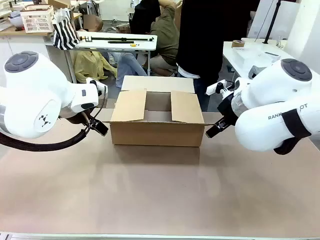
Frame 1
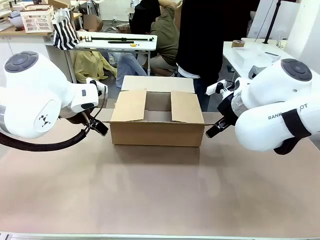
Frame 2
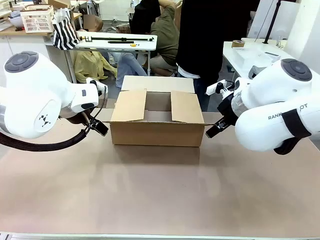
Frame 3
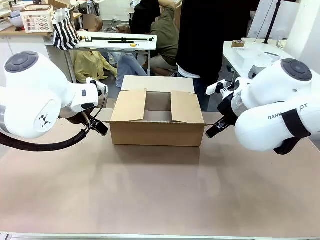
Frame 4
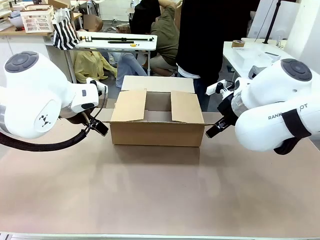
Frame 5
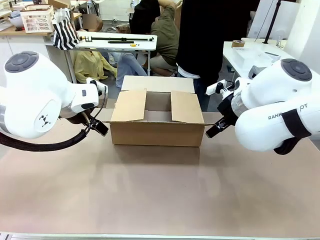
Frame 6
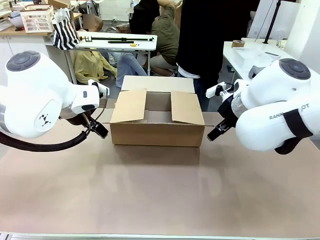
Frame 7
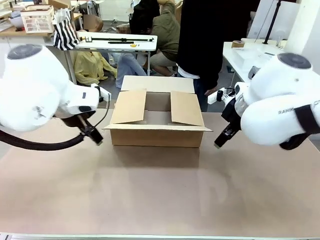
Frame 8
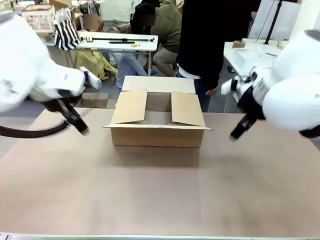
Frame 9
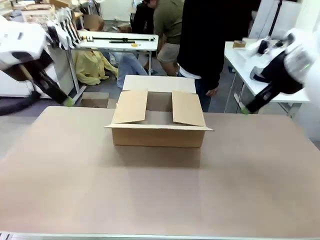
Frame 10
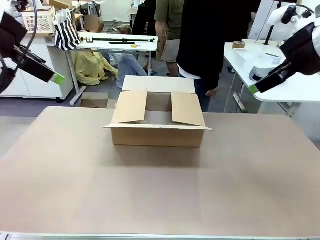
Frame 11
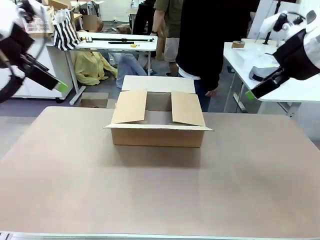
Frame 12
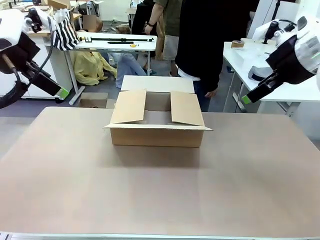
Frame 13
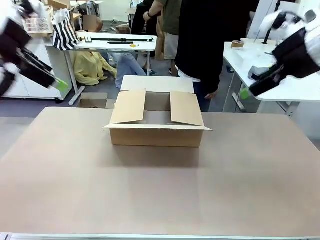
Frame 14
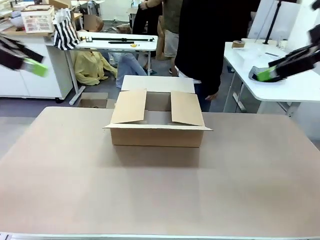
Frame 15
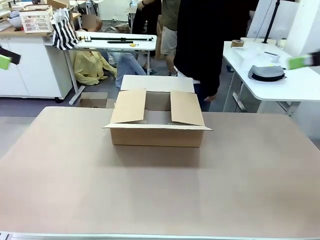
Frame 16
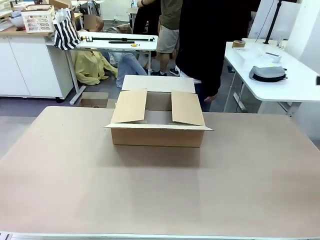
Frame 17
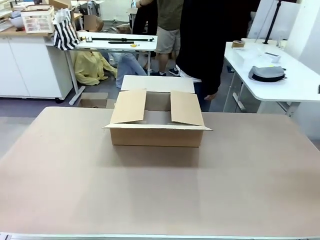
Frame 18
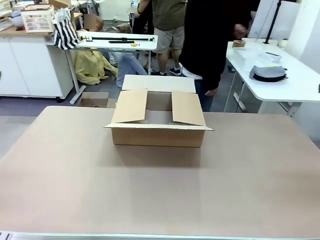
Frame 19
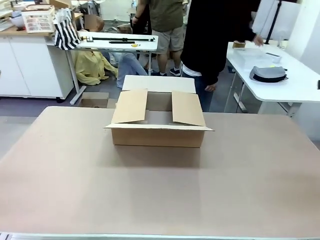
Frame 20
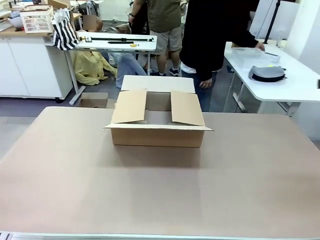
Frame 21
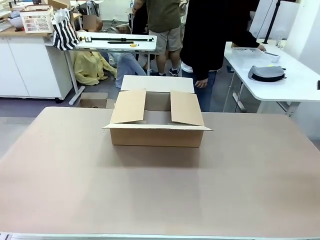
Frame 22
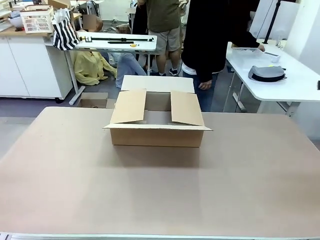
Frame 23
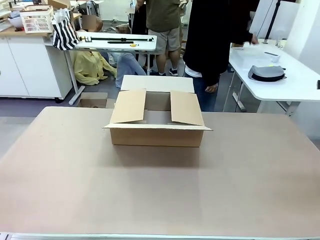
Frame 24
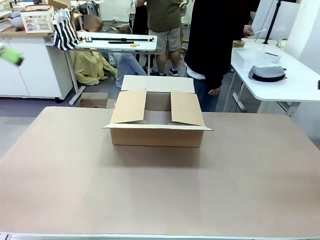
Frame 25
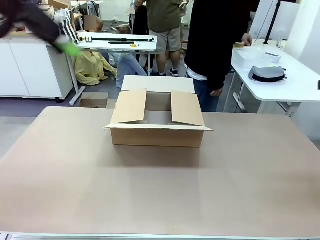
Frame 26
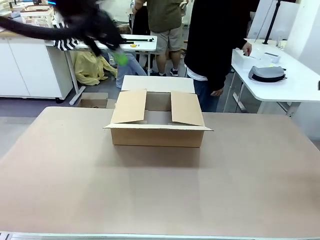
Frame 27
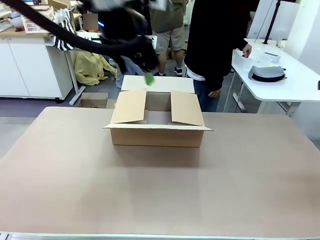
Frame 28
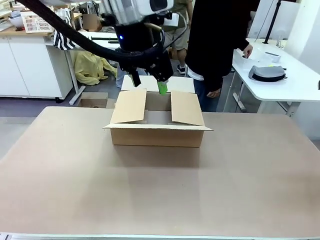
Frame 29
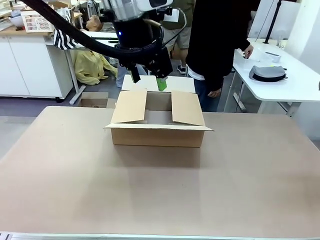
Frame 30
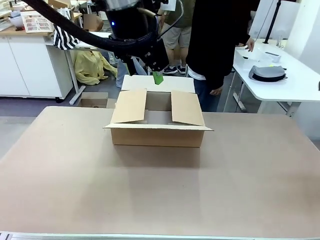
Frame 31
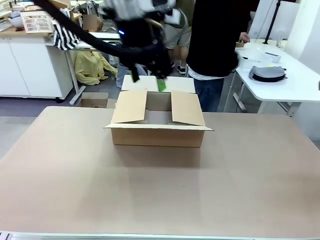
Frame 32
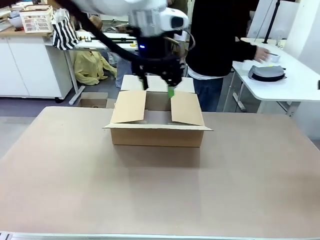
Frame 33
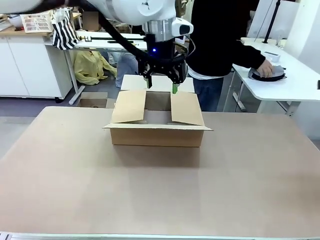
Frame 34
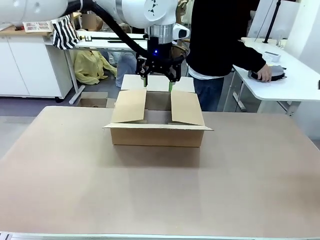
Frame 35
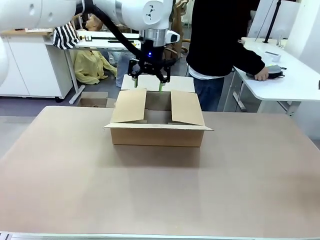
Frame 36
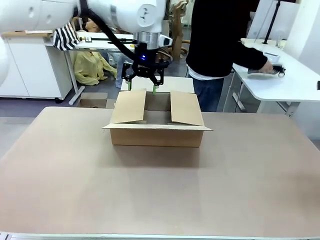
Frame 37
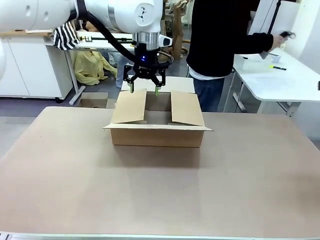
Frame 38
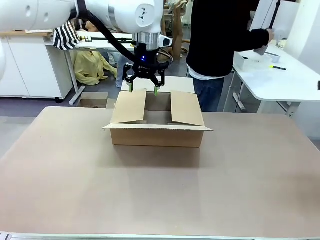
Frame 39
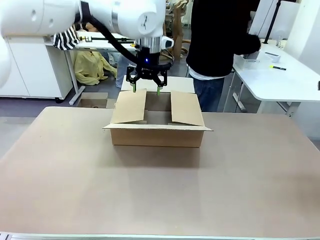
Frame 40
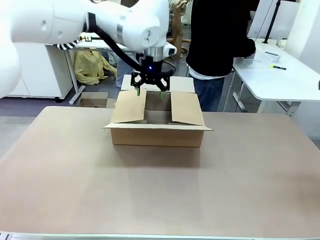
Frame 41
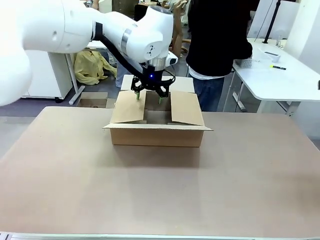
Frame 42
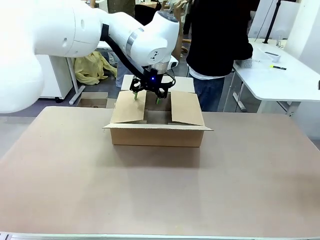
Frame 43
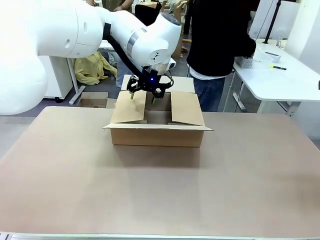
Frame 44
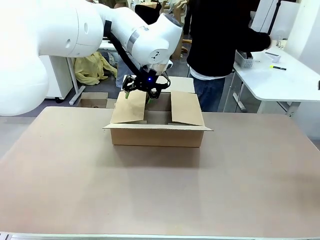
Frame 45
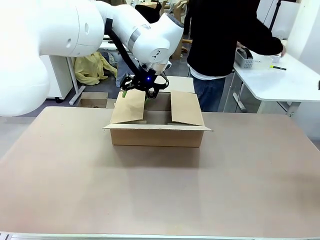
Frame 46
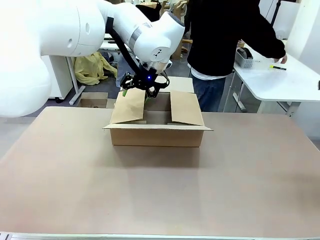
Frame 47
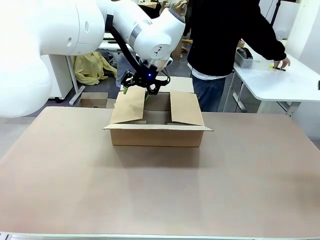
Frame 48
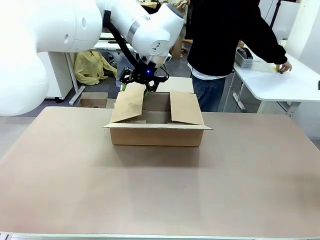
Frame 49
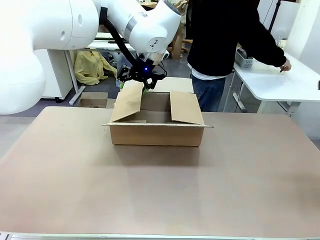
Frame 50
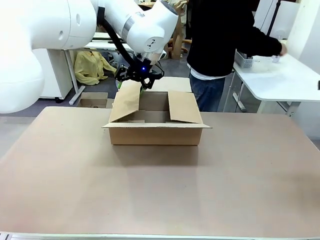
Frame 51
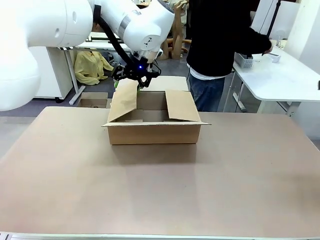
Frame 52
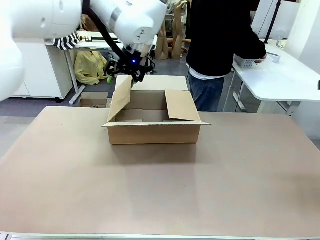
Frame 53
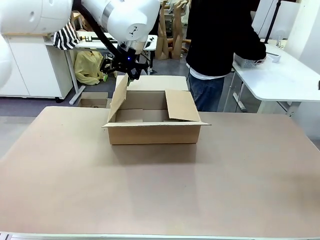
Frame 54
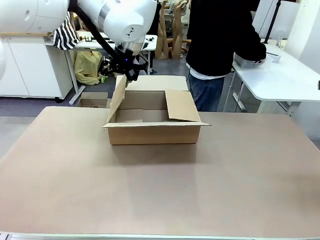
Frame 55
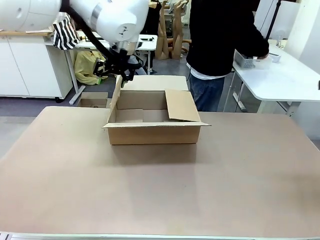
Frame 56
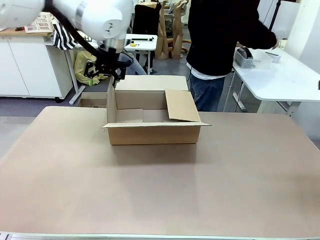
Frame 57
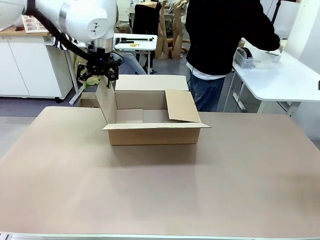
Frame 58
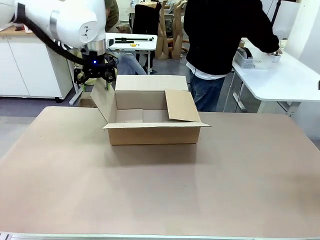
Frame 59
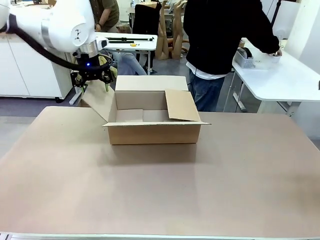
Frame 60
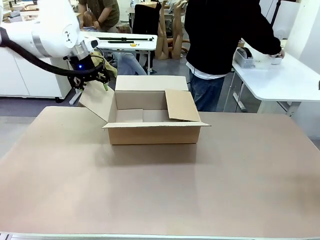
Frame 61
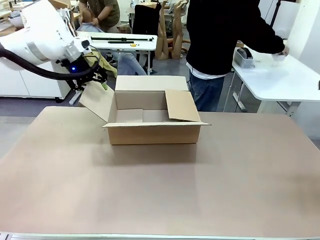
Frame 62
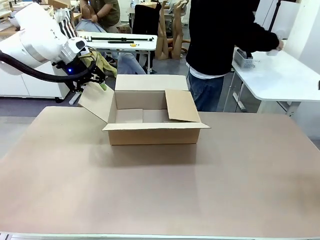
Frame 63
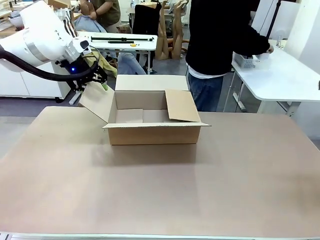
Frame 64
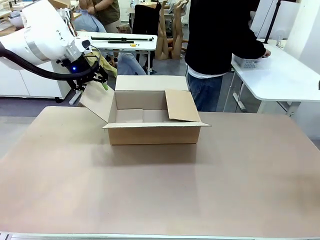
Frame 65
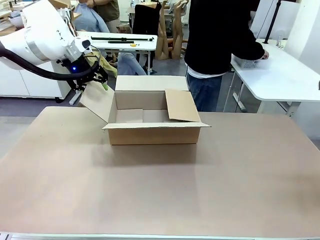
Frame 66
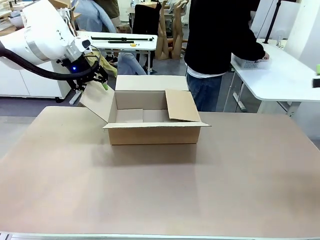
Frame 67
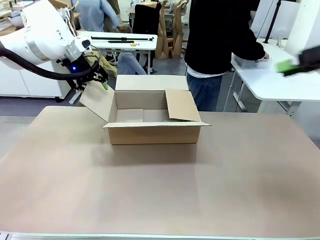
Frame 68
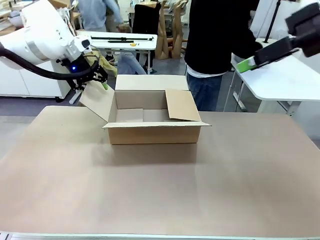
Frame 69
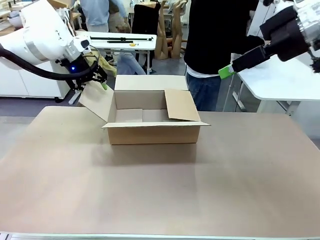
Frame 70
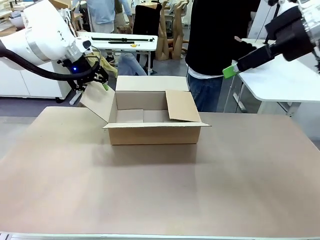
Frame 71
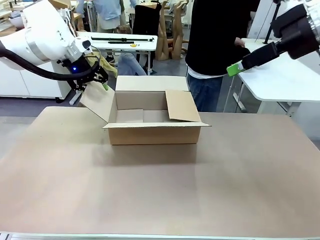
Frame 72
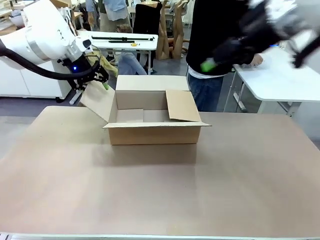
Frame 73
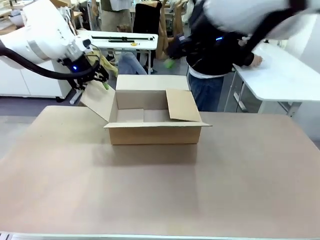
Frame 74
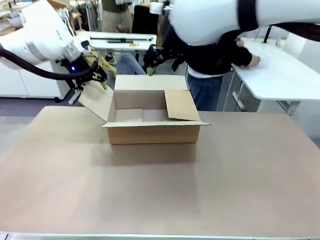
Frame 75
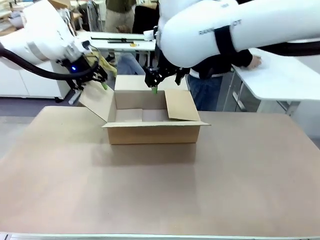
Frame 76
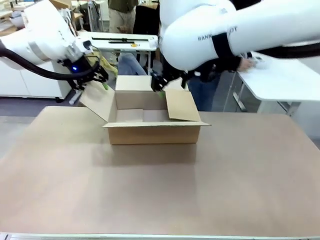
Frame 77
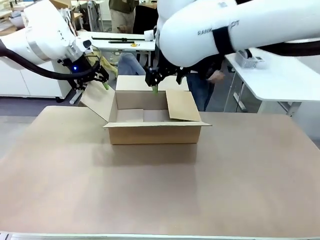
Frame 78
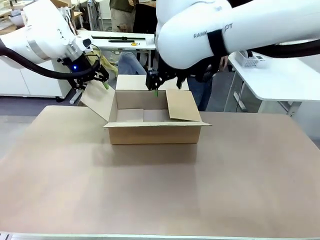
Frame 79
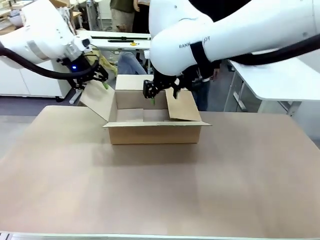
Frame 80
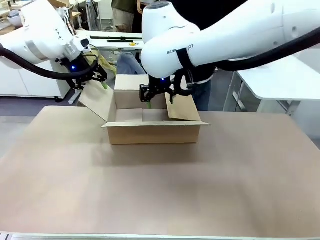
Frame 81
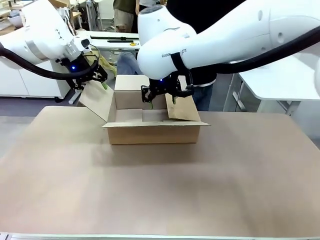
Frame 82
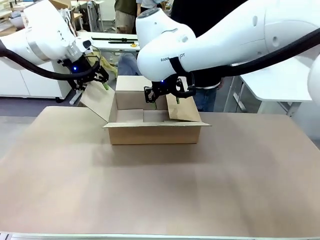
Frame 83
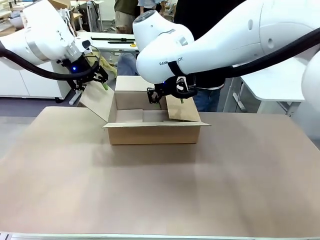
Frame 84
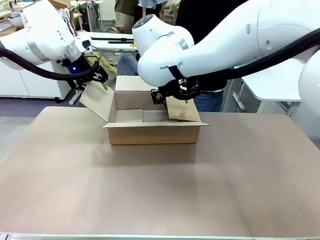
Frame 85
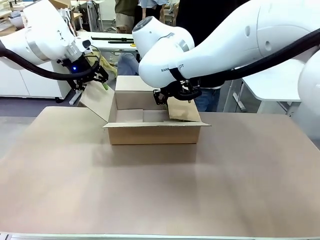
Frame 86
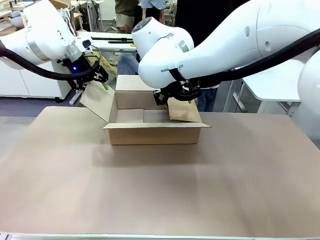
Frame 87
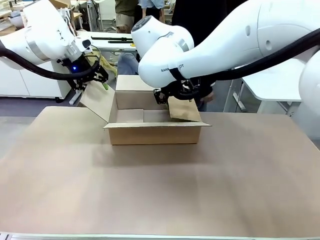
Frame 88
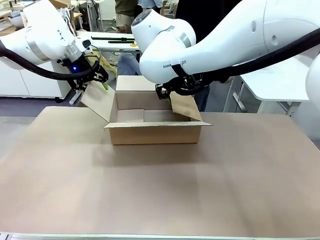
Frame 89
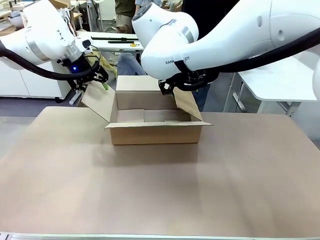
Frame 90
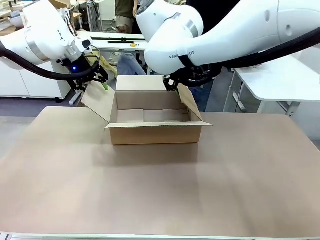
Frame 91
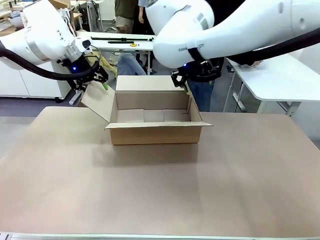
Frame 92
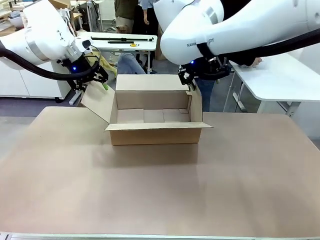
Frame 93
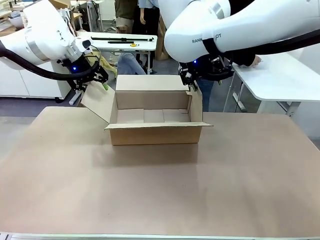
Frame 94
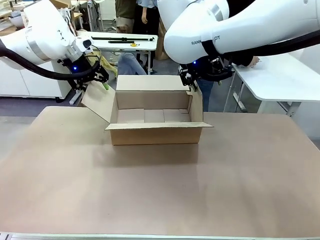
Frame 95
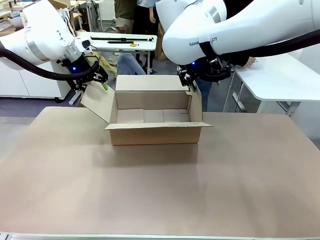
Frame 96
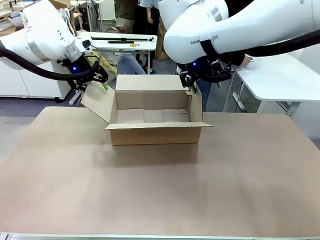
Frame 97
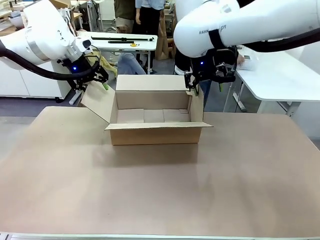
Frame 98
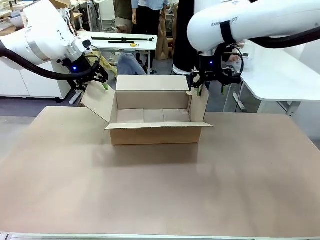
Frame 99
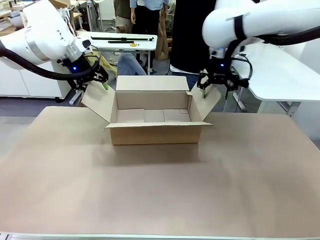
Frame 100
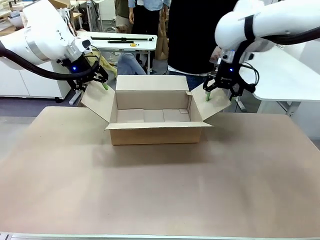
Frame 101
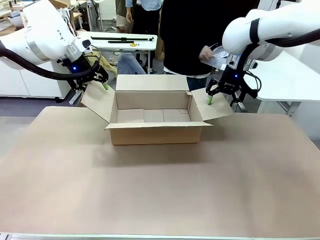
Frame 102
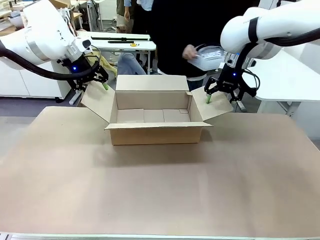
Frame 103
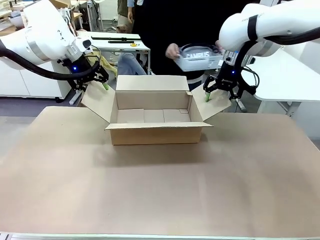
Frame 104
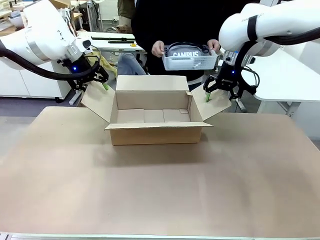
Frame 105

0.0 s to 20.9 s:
Task: Pack the gift set into the box.
Robot: Place both hands on the side flaps of the Package Box and spread them outward.
Person: The human places all items except the paper tape into the organizing basket. The human picks up the organizing basket and places the organizing basket into the package box on the robot table.
